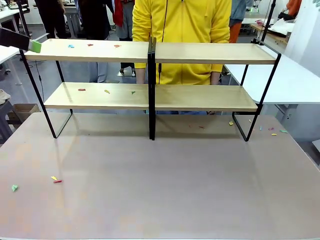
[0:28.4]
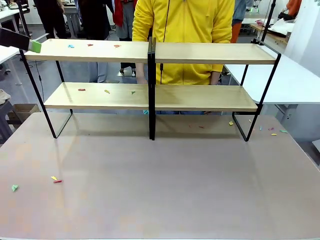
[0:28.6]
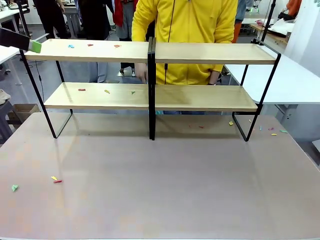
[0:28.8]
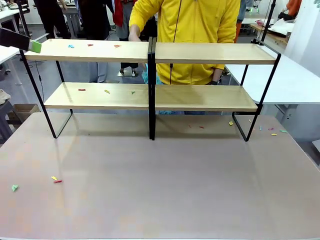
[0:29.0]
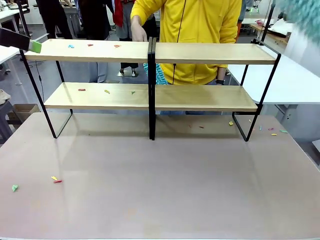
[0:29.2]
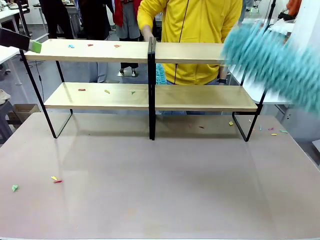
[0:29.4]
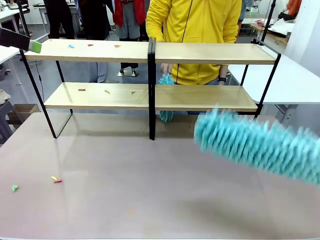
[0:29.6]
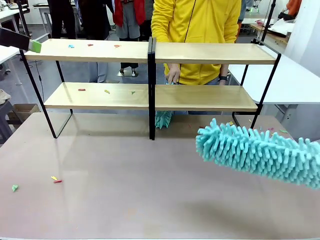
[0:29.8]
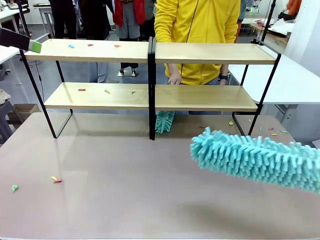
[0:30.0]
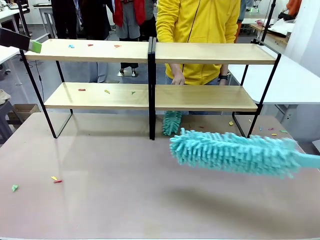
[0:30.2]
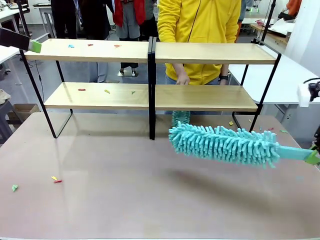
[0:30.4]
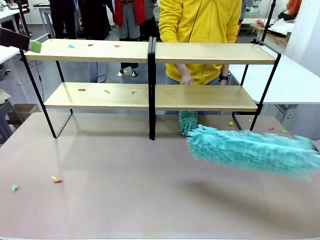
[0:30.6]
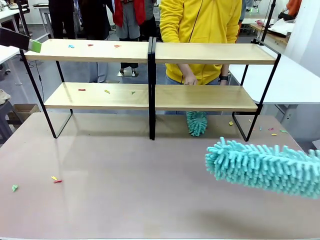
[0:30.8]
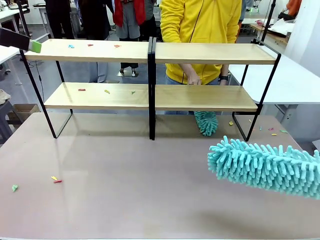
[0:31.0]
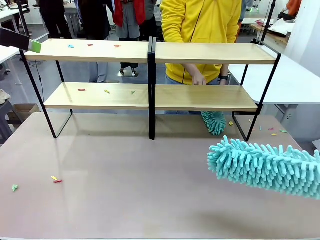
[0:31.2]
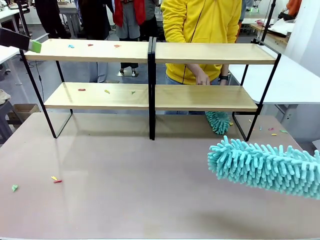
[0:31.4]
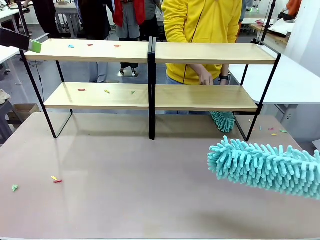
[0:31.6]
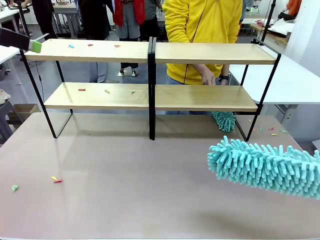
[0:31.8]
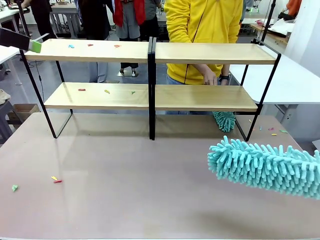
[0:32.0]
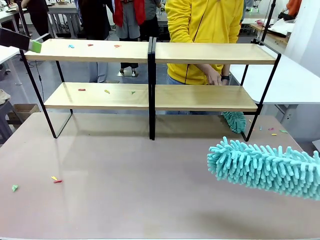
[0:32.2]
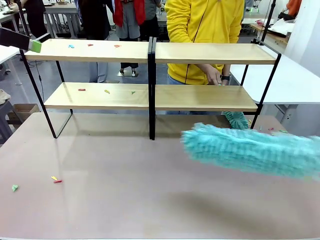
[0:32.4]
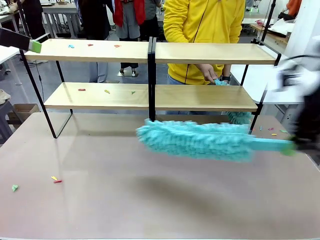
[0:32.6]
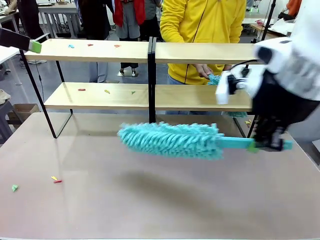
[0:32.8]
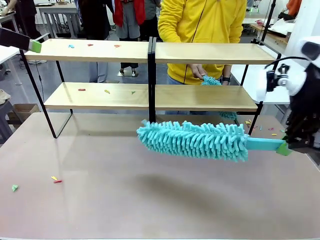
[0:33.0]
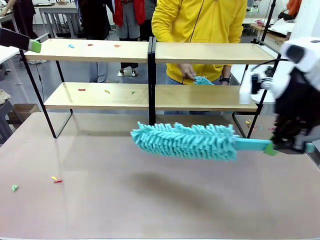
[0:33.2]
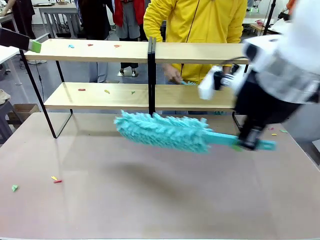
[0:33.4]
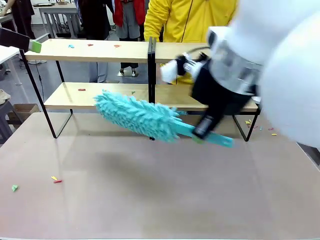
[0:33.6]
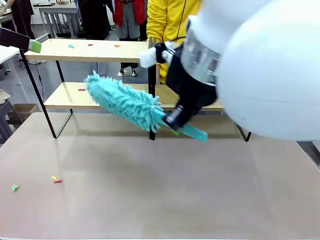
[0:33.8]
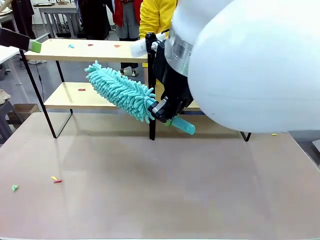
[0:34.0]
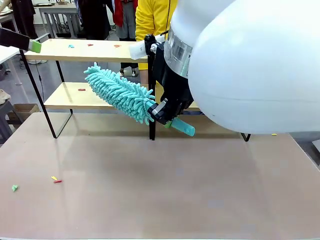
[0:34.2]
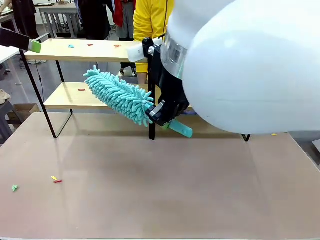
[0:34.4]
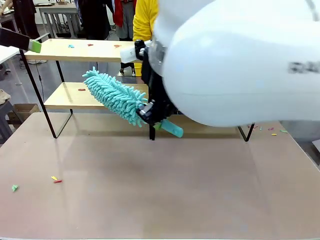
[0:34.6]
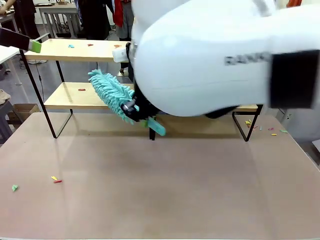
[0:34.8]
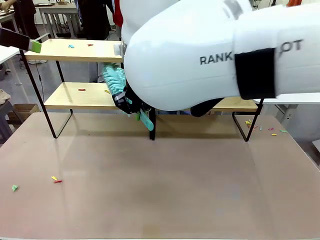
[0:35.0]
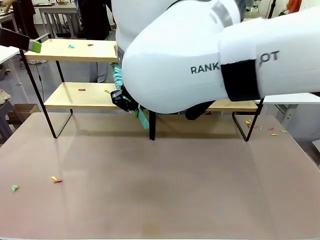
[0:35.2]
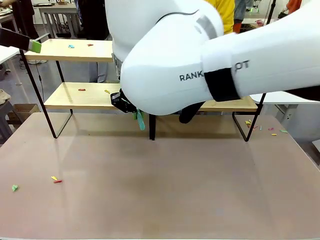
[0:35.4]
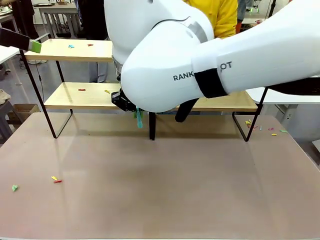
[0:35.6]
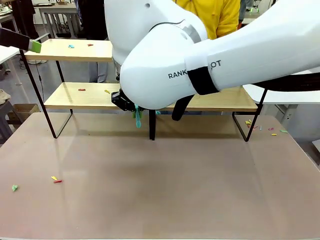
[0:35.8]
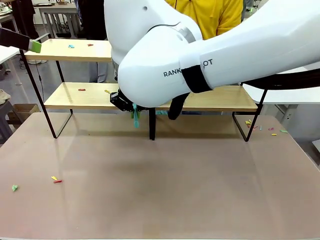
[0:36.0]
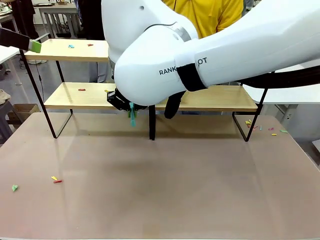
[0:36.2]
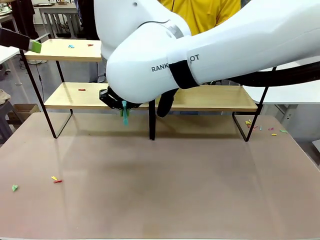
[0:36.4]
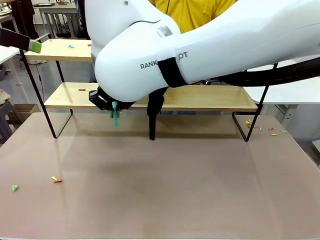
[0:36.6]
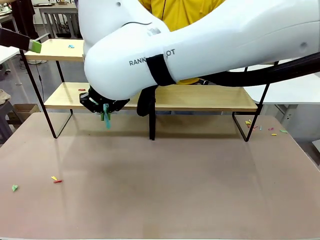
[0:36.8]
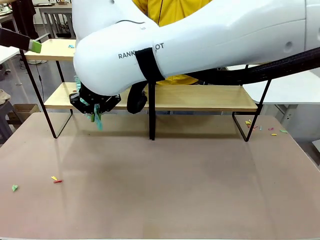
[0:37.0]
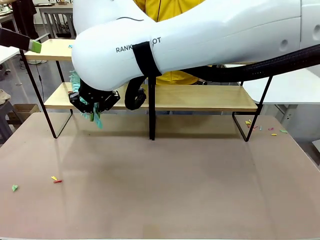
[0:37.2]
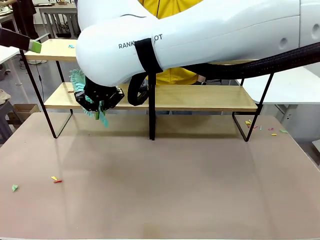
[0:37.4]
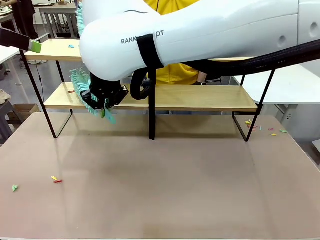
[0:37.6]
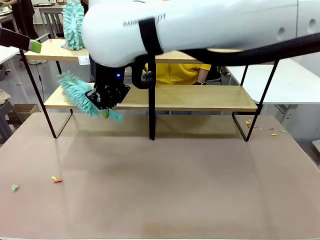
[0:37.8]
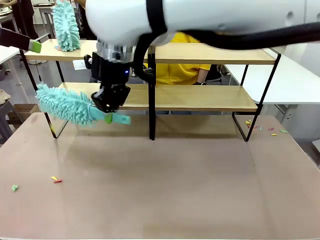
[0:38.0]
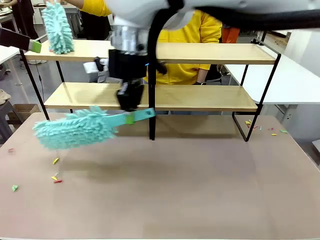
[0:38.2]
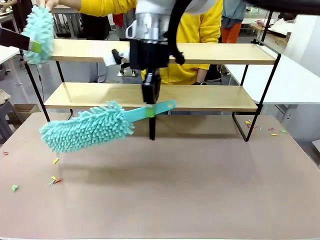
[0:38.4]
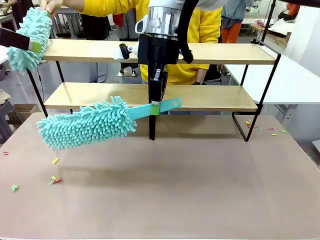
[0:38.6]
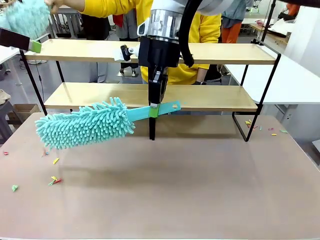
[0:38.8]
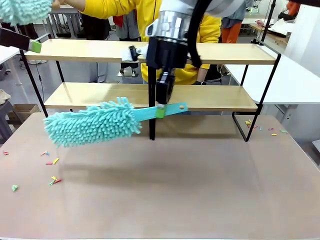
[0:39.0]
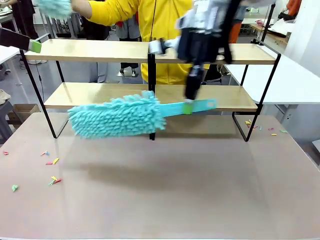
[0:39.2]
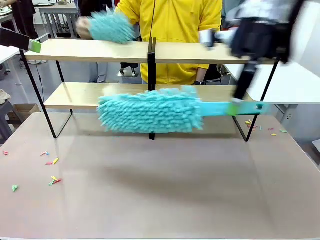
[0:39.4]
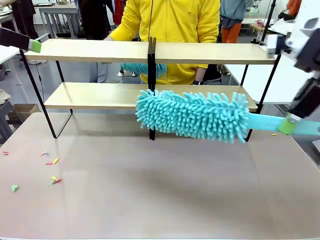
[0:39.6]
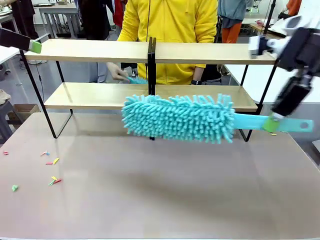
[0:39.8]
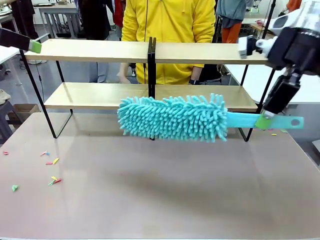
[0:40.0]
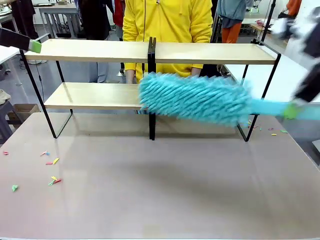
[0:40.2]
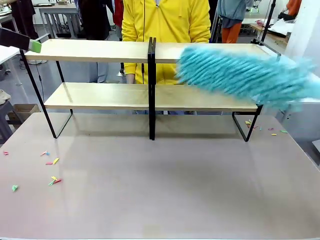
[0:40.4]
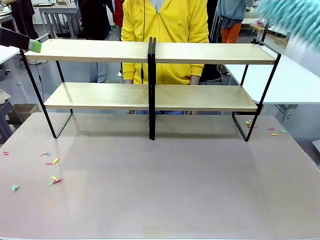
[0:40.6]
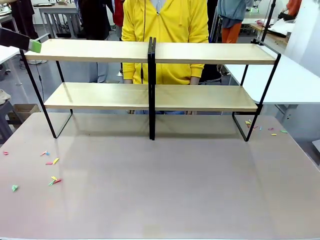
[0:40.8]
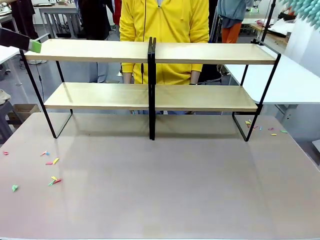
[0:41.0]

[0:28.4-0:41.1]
Task: Clean the shelves.
Robot: Clean another randomly selected level of the Shelf with the Duster.

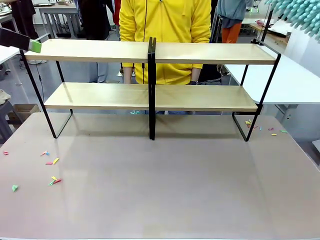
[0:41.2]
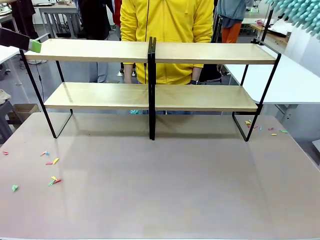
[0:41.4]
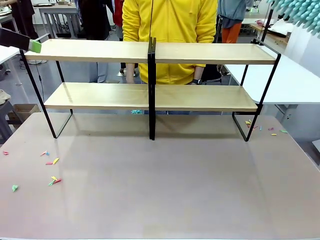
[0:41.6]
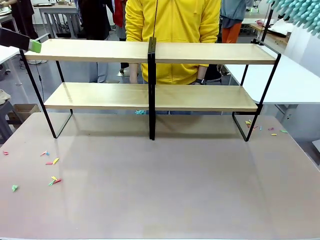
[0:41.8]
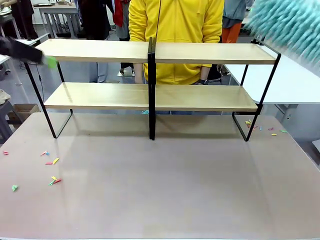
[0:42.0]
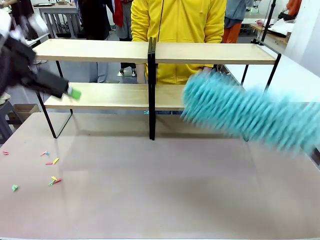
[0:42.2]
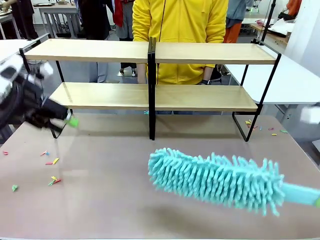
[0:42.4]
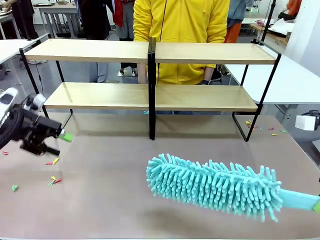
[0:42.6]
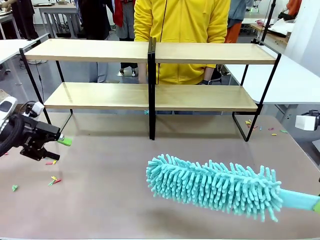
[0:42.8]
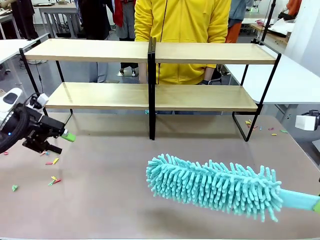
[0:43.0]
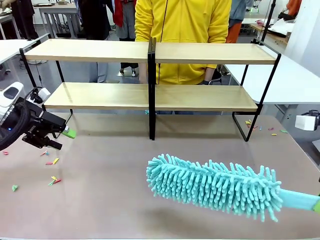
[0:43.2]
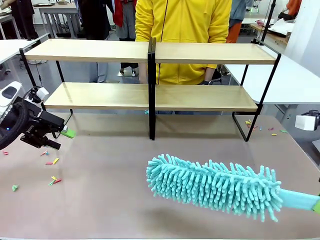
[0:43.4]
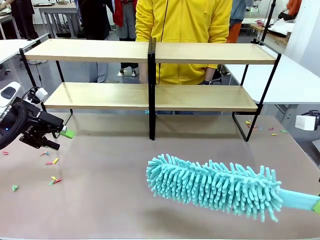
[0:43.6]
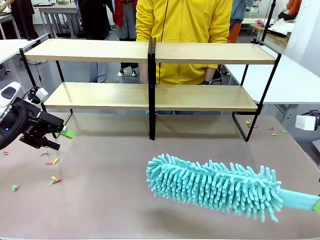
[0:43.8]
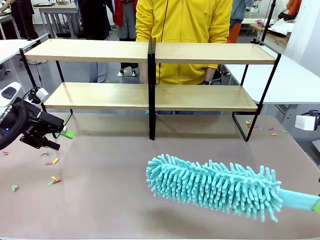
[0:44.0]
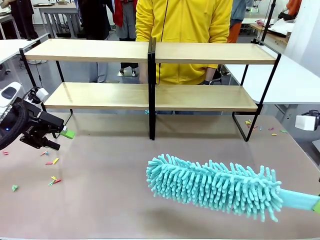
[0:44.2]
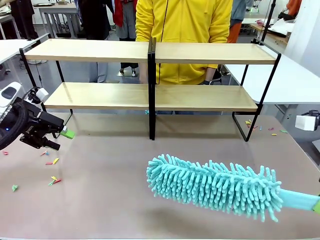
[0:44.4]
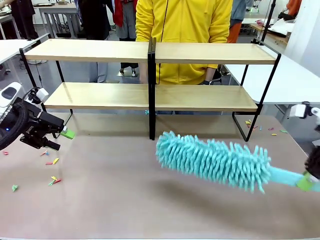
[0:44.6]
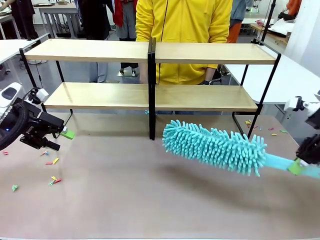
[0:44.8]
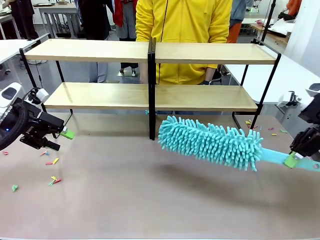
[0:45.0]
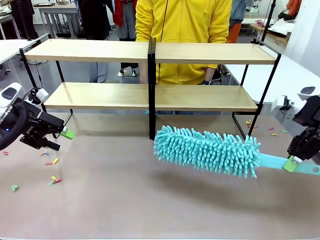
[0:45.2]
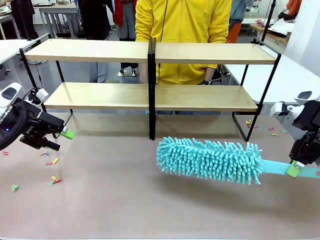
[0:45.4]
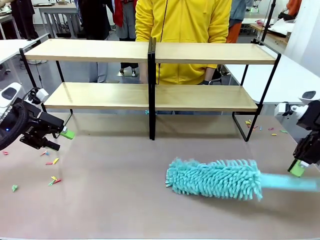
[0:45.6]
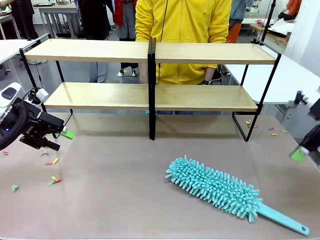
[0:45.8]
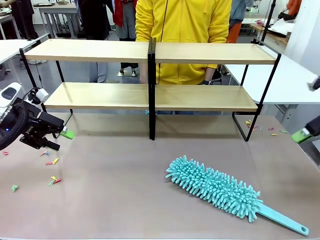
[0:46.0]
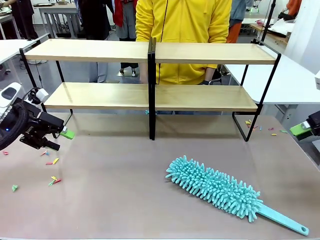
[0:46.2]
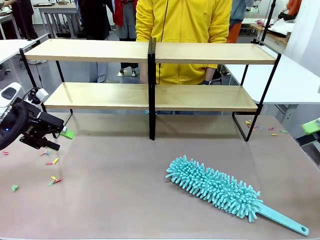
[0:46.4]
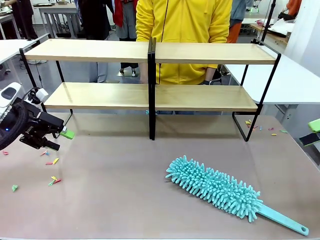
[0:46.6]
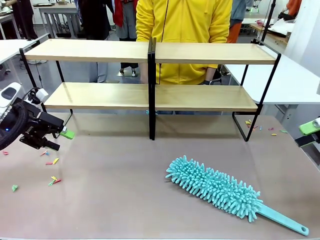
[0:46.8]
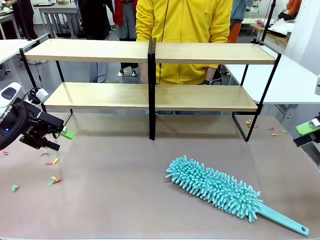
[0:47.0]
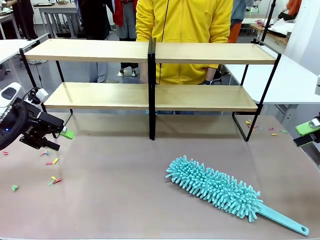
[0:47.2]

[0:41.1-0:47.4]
Robot: Place the Duster on the table.
